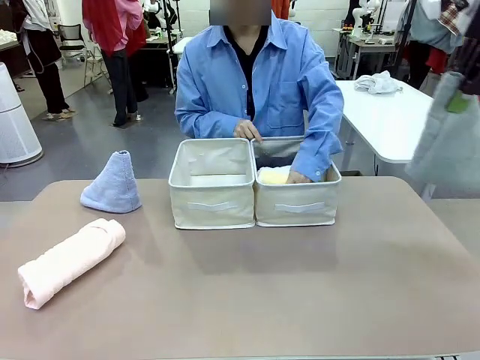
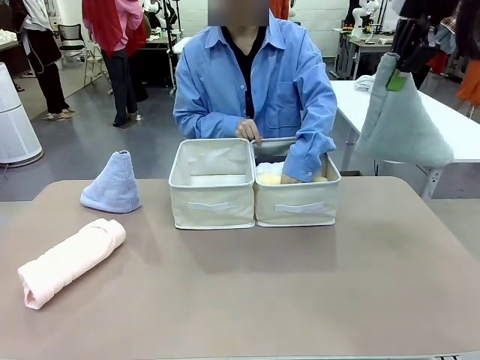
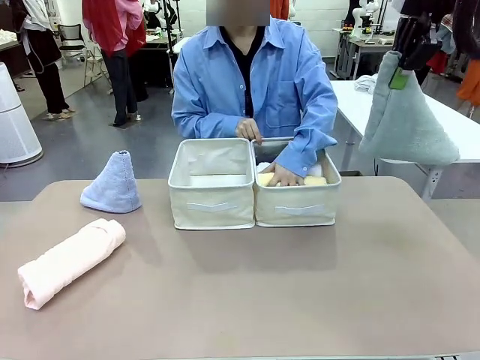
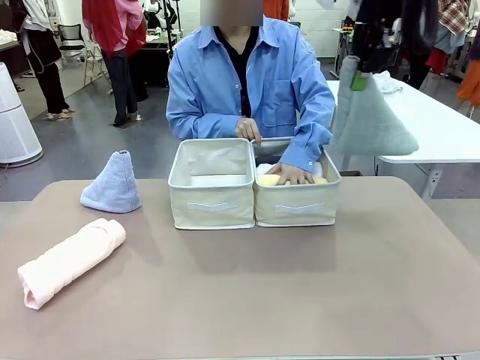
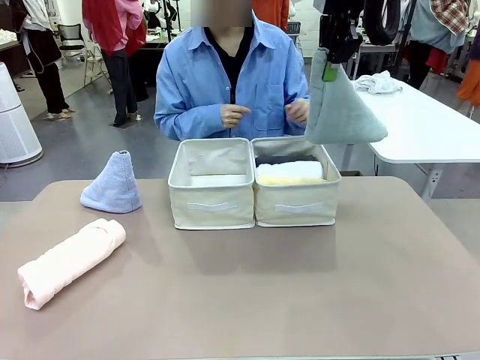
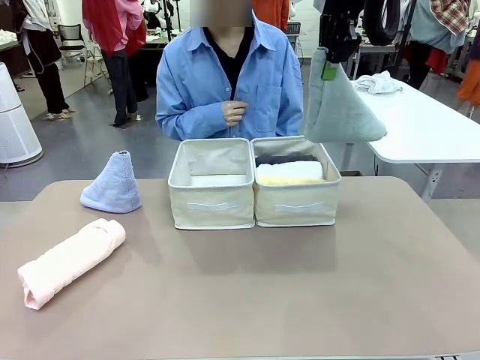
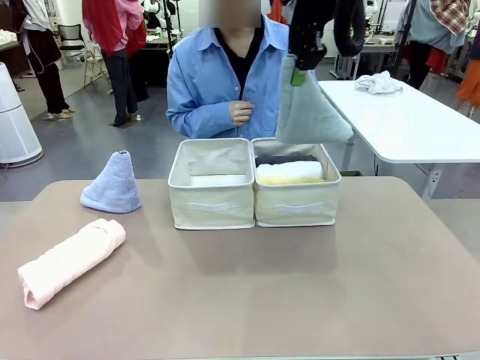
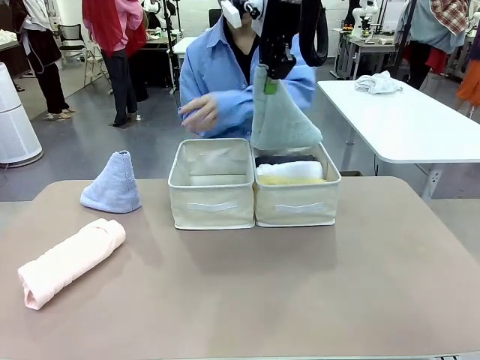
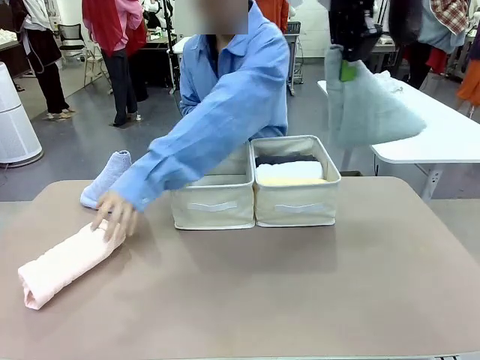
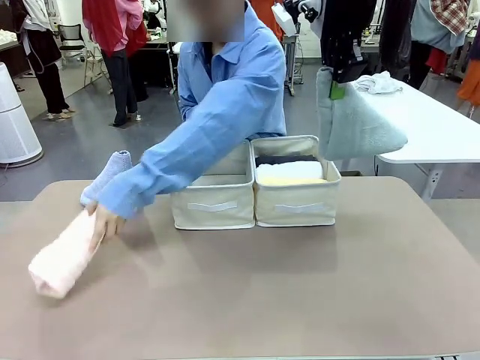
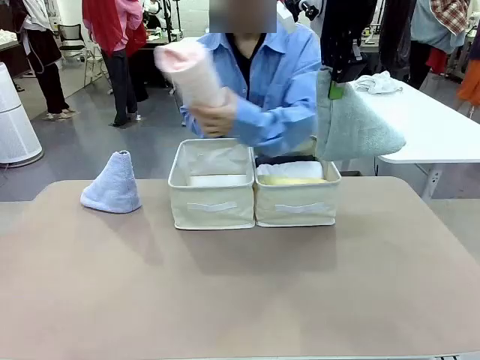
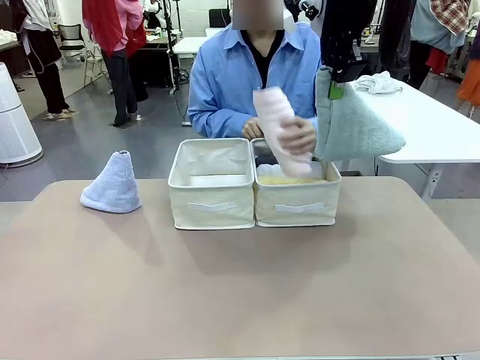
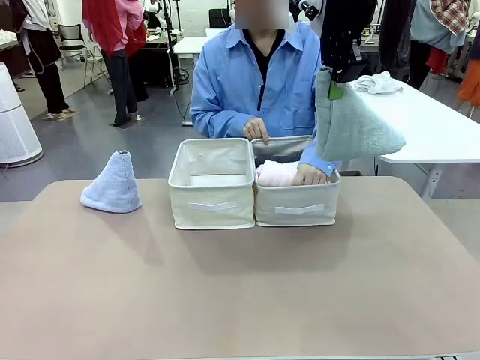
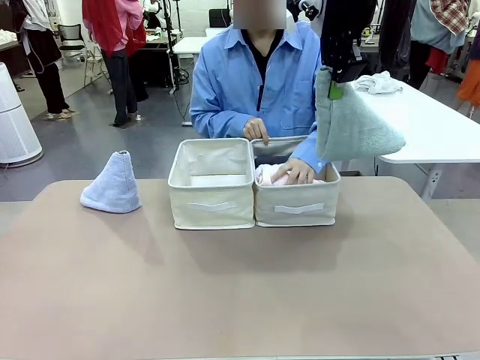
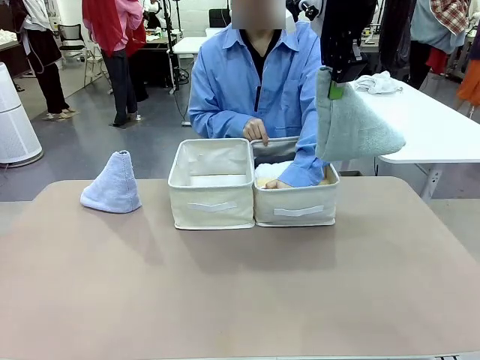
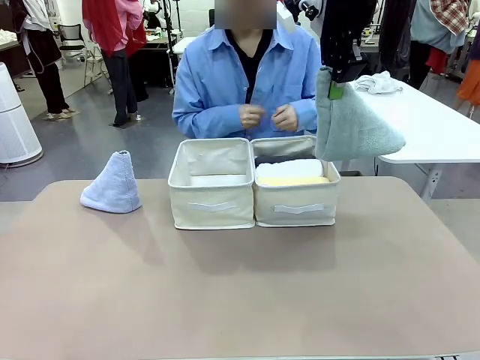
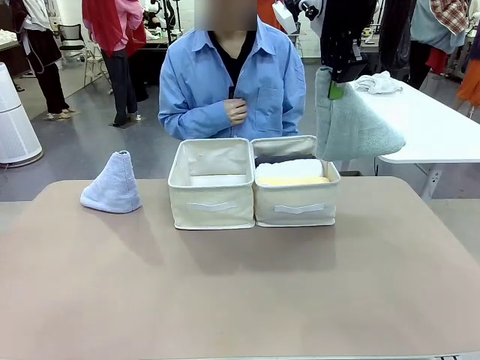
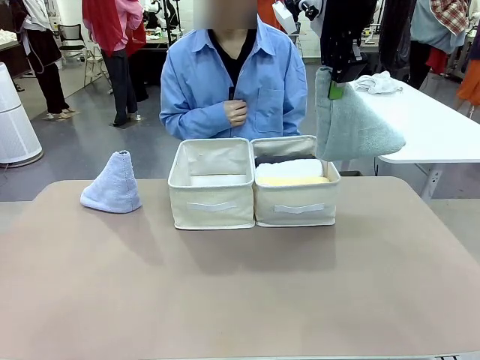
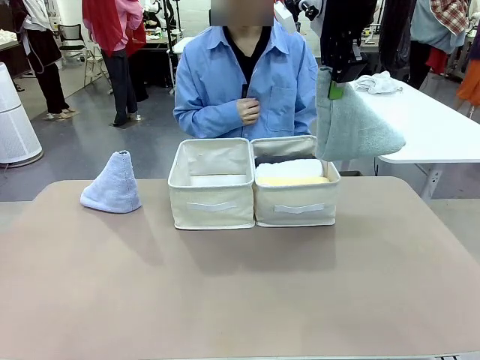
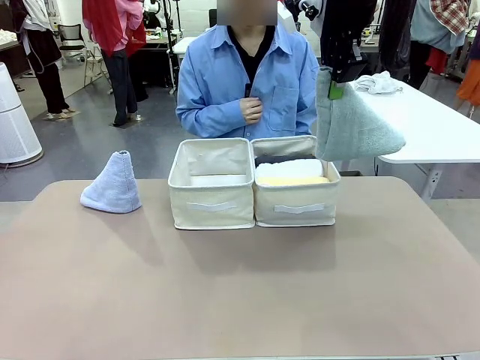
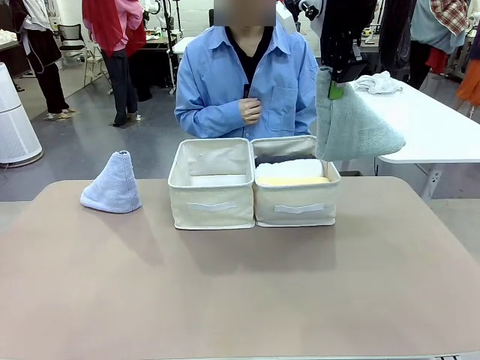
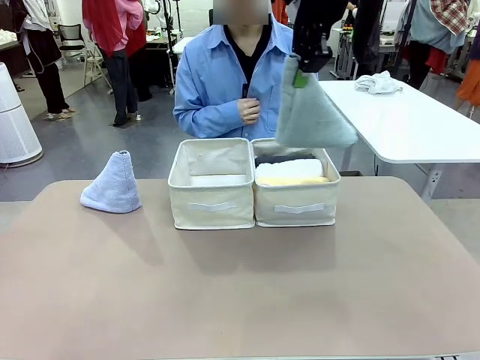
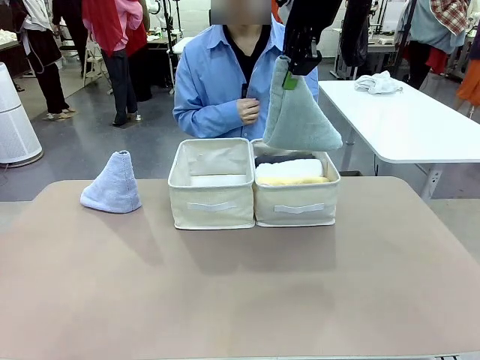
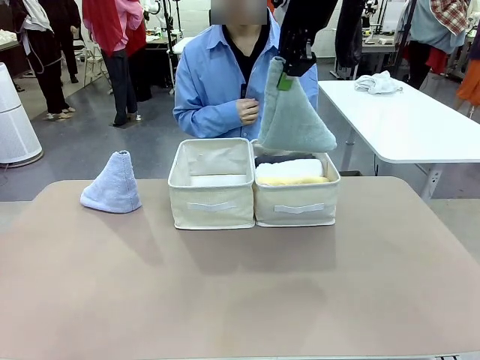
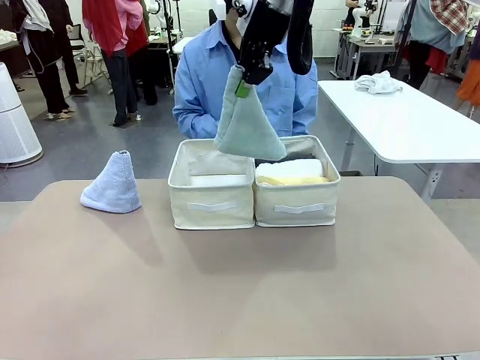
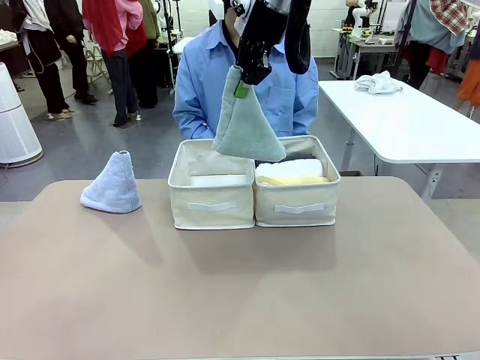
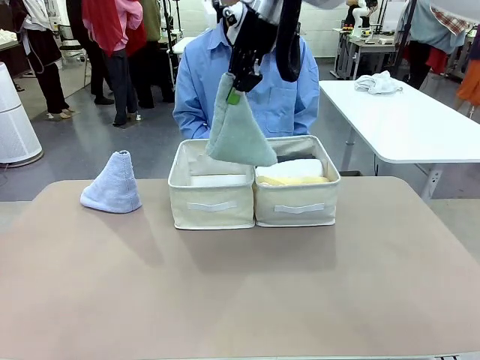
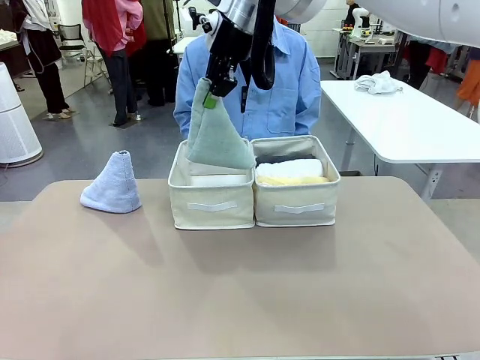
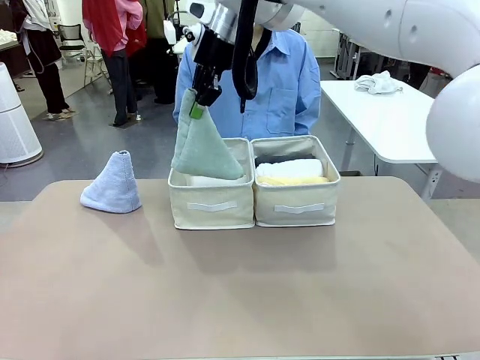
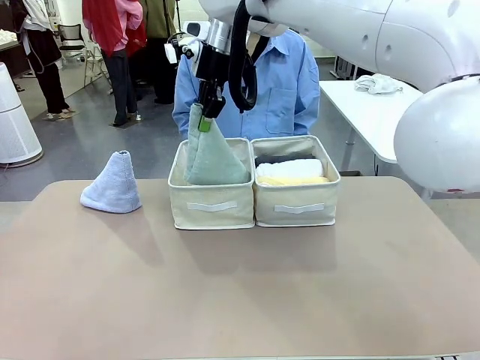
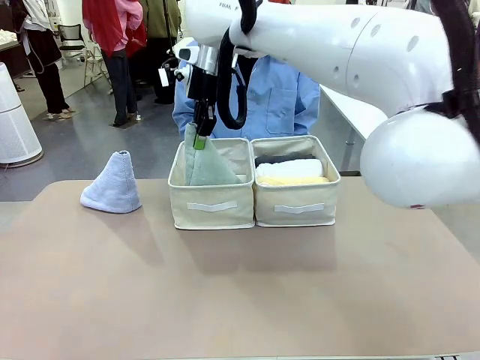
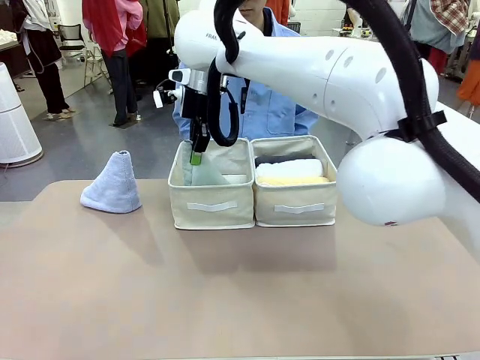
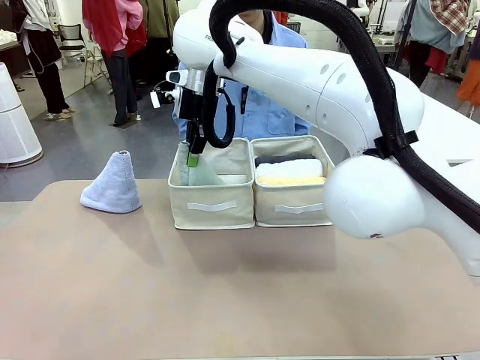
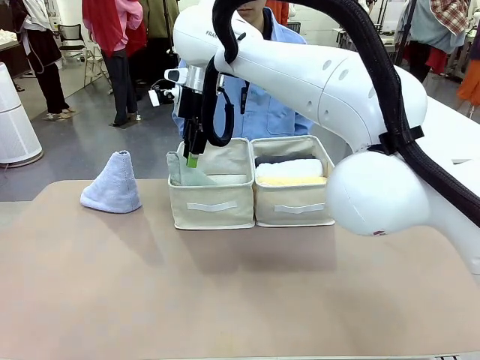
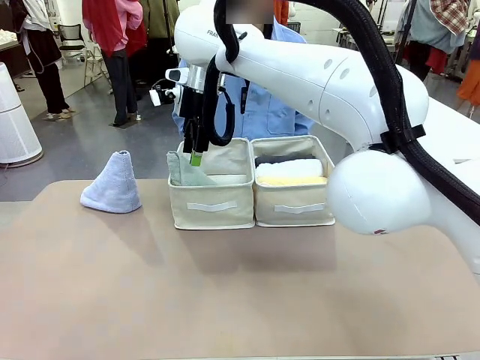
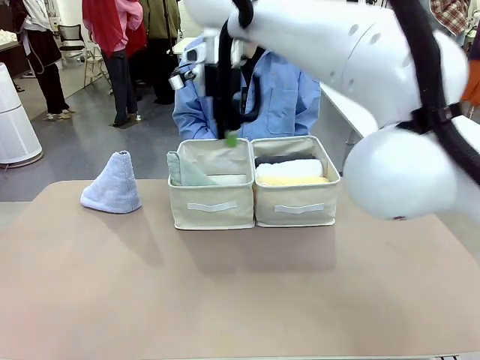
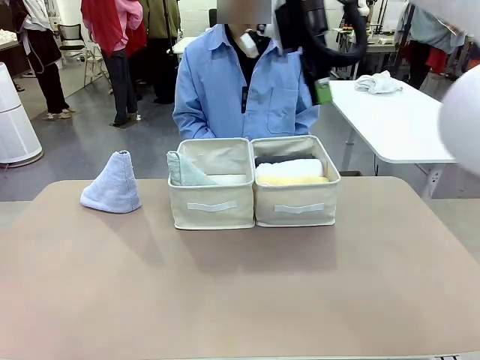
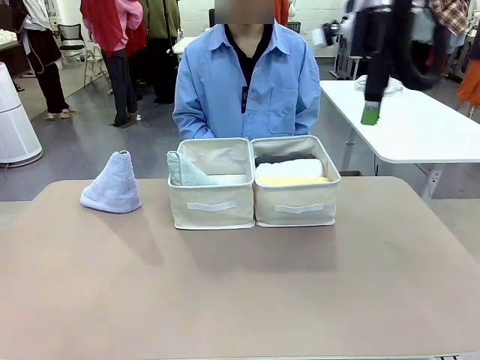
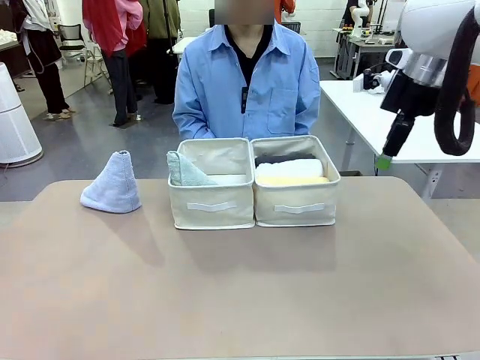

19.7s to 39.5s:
Task: Sort the towels based on their folding style.
Robot: Pick up one triangle-folded towel and place it in the left Fabric basket.
